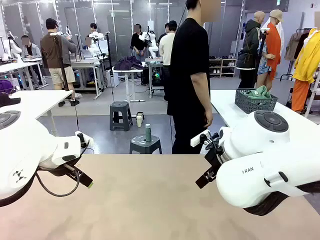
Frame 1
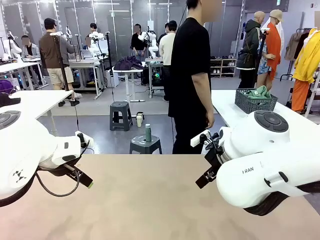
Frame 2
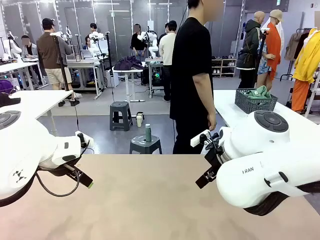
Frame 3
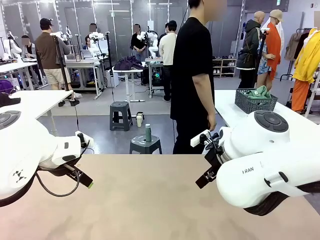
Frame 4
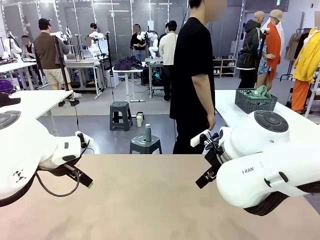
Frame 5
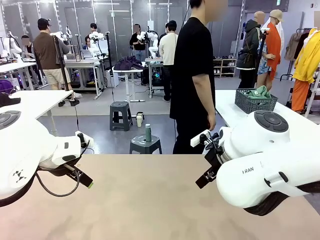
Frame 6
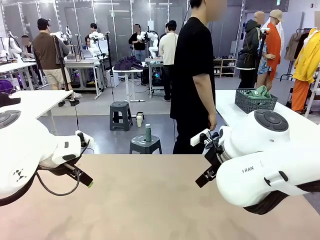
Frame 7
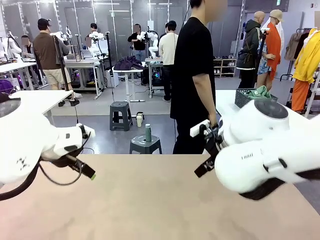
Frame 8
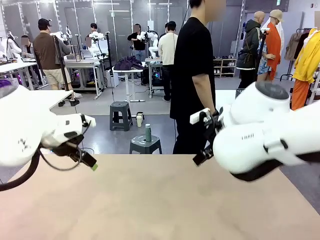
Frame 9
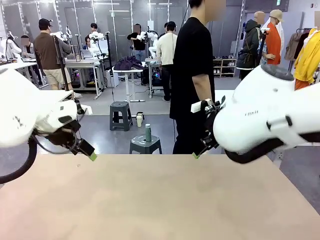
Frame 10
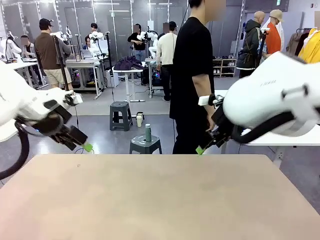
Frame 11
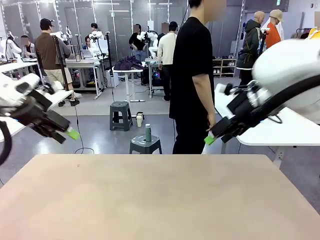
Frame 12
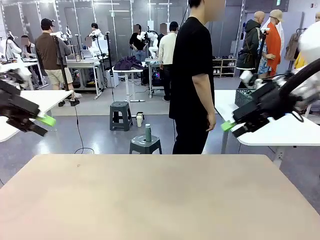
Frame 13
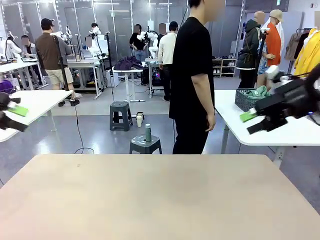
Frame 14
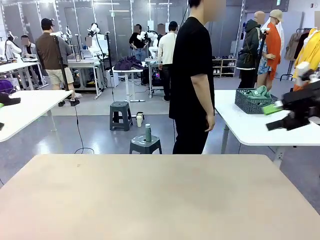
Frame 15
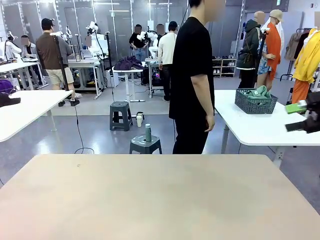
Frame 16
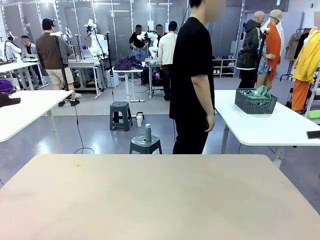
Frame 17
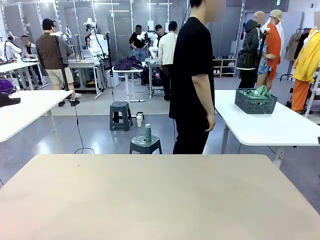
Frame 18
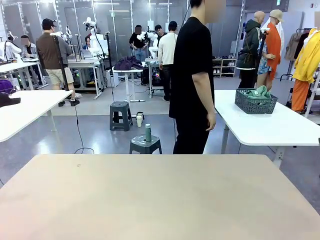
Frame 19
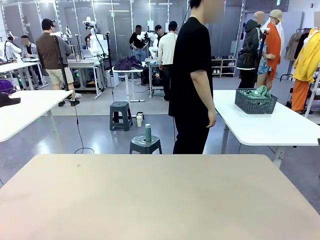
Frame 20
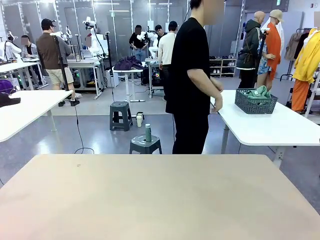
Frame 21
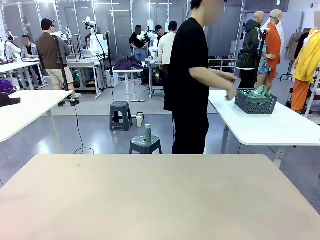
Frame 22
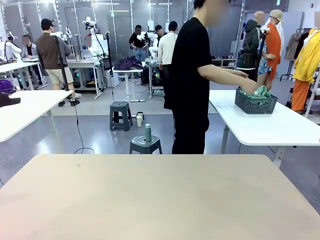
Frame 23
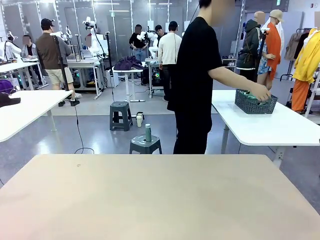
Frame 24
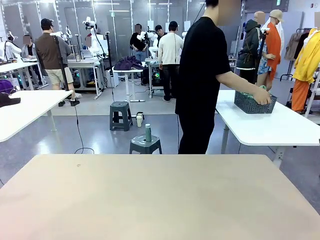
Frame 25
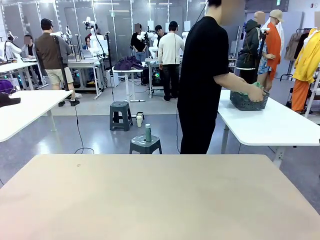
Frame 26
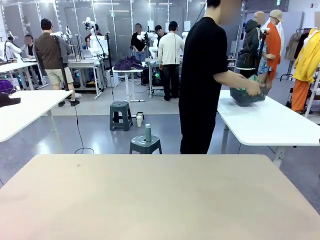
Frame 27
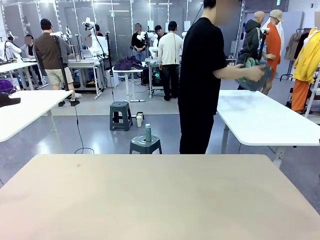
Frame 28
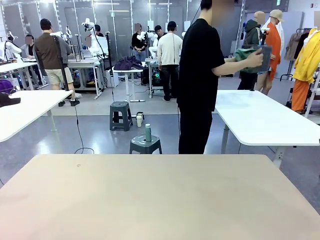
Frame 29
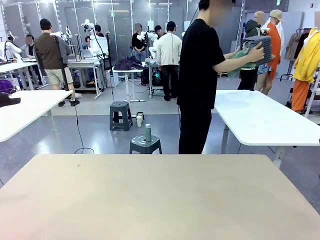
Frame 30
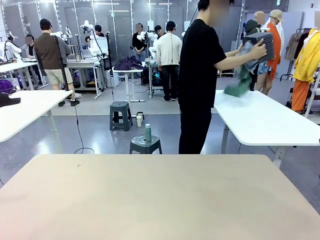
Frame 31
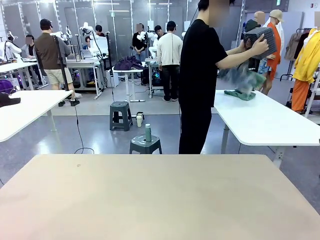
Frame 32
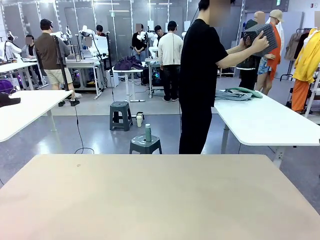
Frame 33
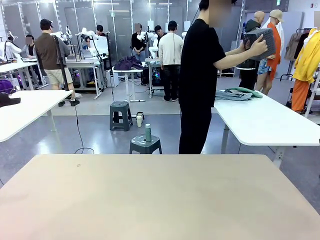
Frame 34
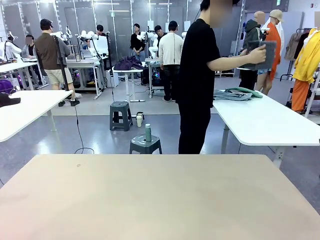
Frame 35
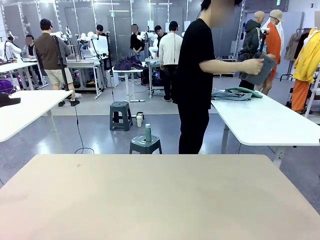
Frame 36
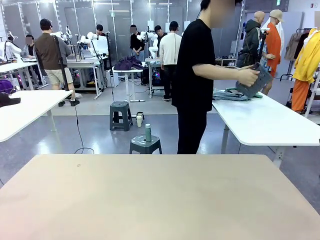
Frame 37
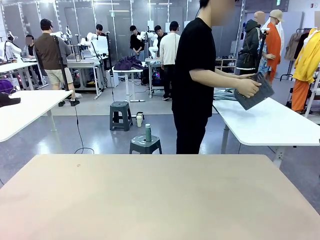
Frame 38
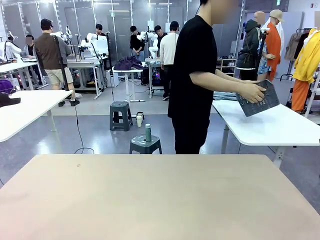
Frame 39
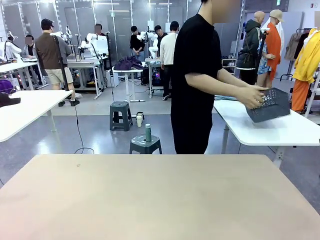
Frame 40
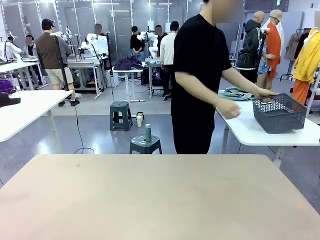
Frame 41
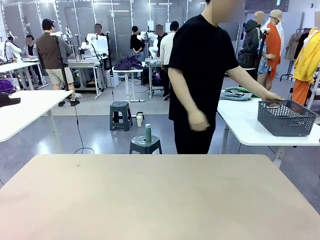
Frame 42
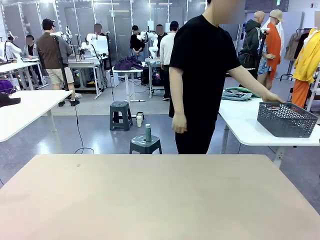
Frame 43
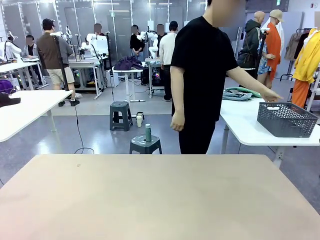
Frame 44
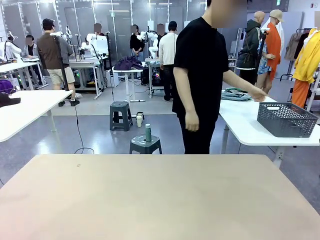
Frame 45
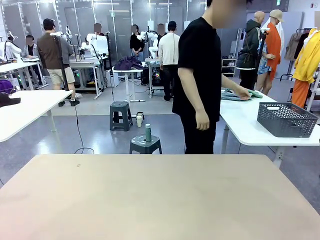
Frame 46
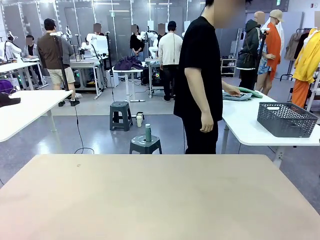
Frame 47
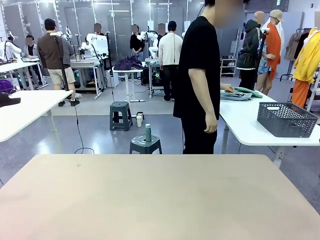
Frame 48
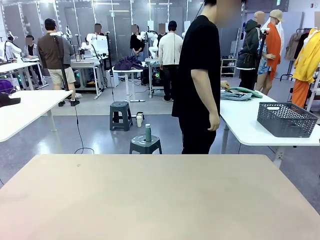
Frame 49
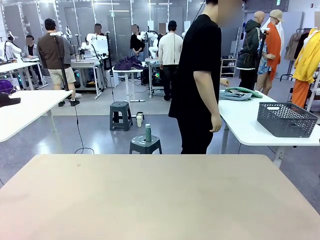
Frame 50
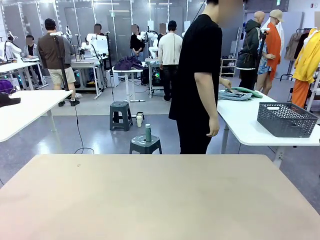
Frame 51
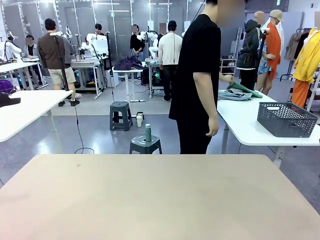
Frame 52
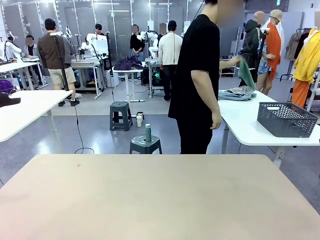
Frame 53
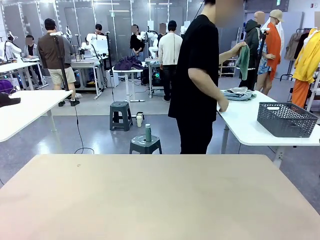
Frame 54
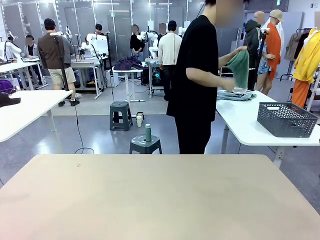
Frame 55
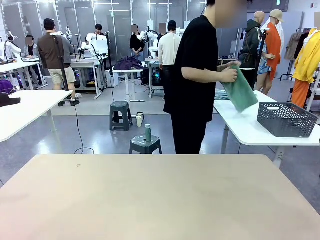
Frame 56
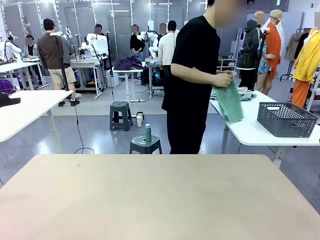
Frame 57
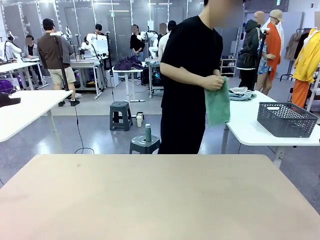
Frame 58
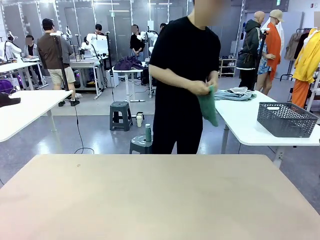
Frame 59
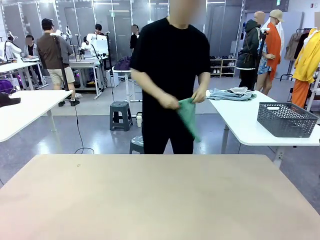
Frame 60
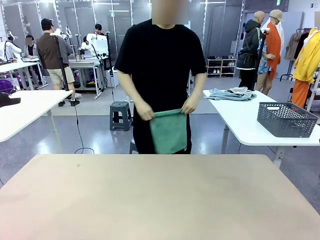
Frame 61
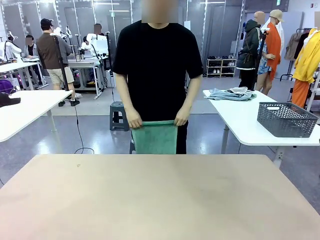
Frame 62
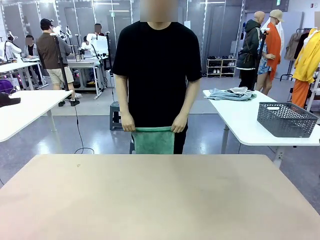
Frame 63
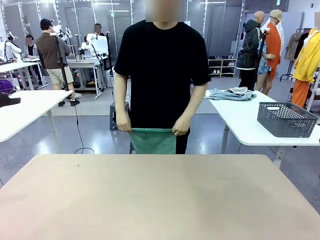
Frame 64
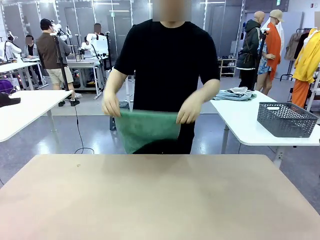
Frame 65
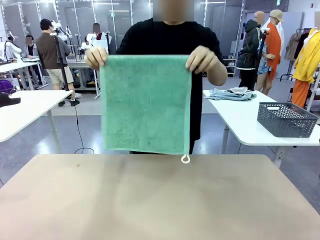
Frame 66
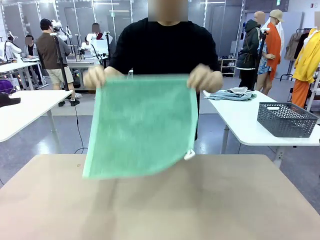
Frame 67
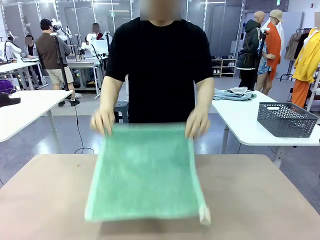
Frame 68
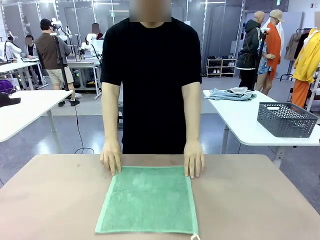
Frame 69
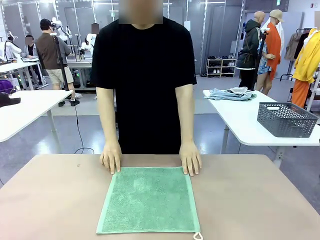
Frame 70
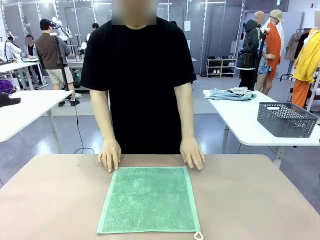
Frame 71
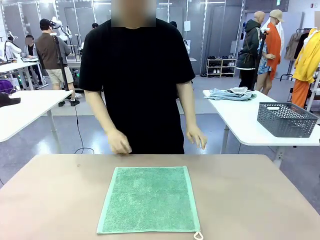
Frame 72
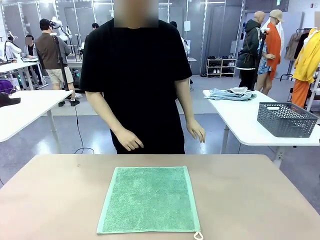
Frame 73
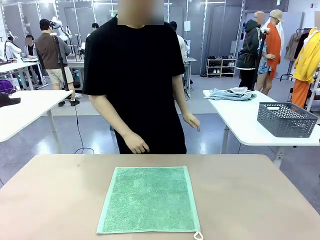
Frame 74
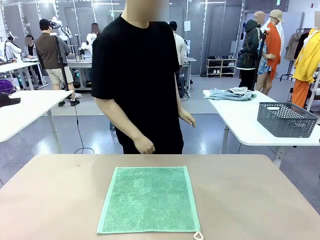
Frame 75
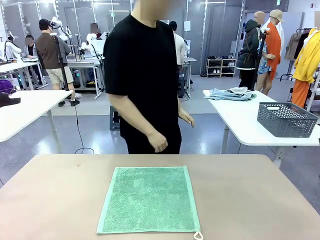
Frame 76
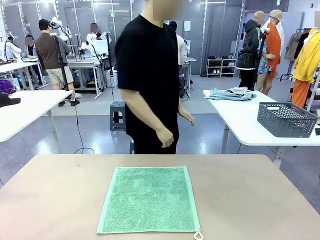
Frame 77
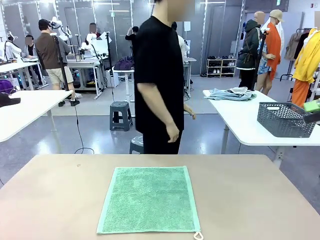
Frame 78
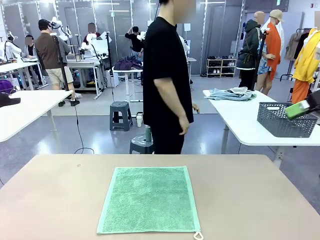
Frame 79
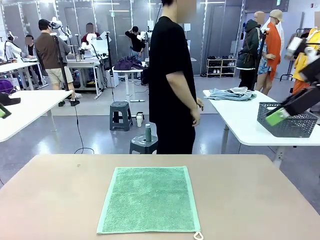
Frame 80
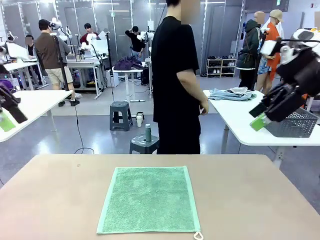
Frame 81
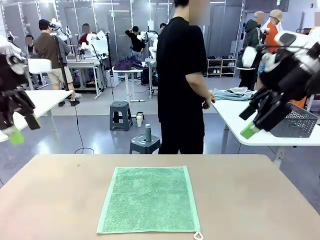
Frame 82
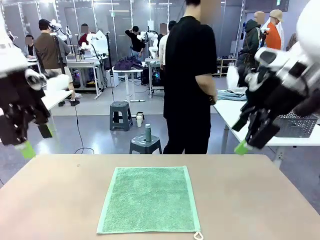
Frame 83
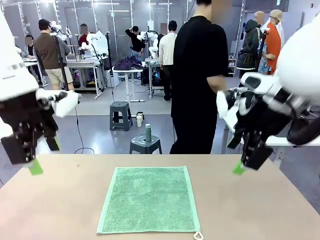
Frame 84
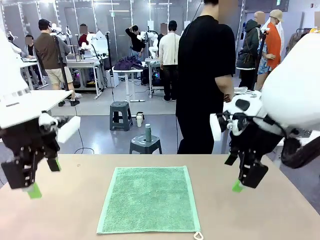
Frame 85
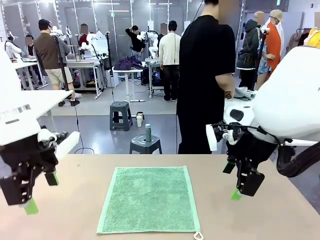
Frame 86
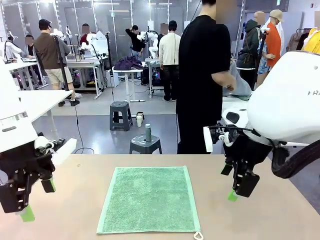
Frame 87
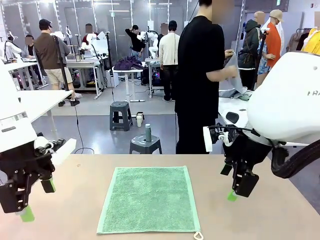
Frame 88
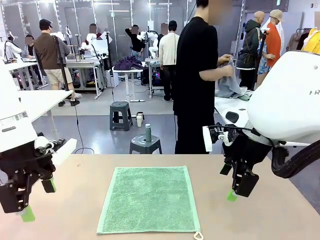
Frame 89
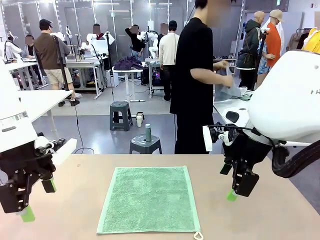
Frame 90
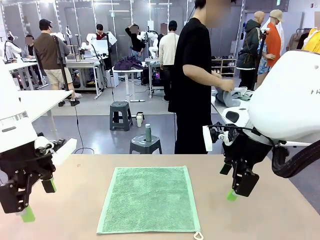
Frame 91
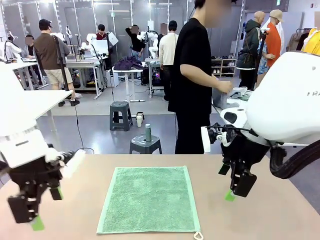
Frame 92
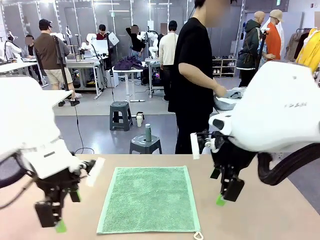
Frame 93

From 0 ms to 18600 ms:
Task: Fold the towels and place them in the basket.
Robot: When a person lays out a Towel with hook on the table, fold it in half twice.
Person: Pick up the basket, pour the towels onto the left side of the human table, and place the basket on the right side. Pick up one towel and spread it out at the center of the robot table.
